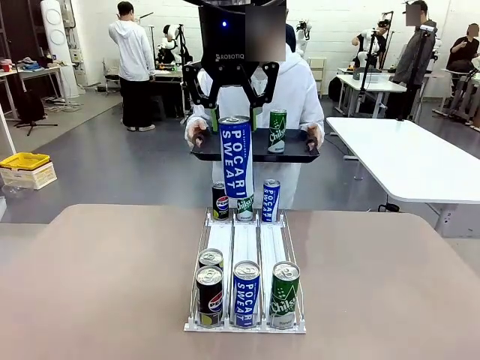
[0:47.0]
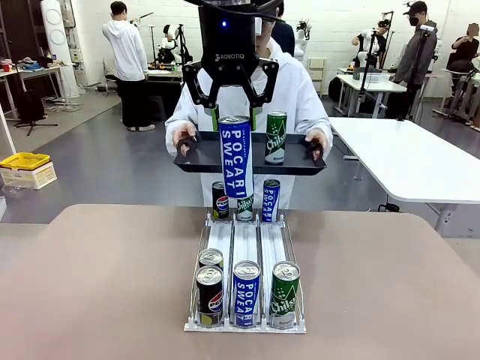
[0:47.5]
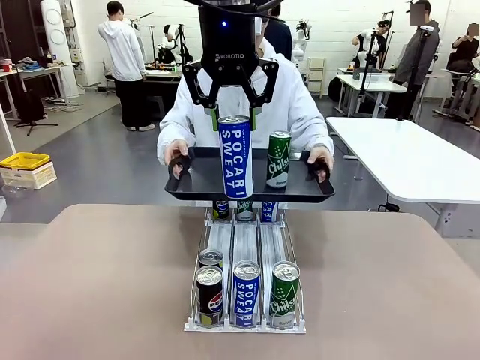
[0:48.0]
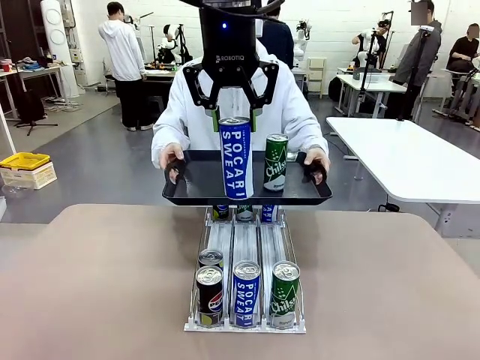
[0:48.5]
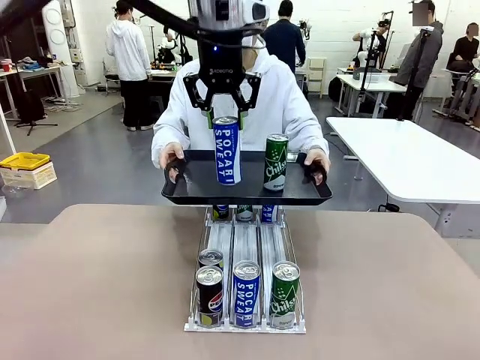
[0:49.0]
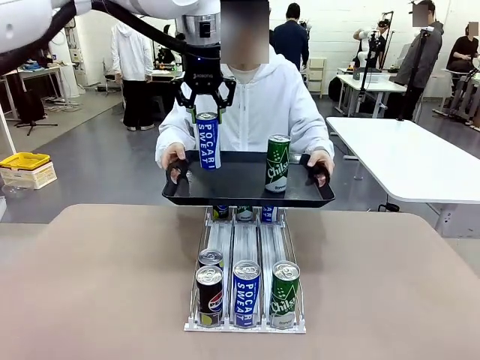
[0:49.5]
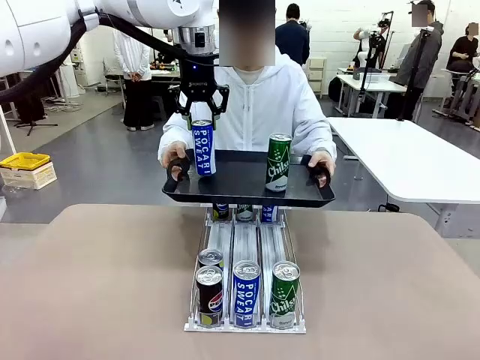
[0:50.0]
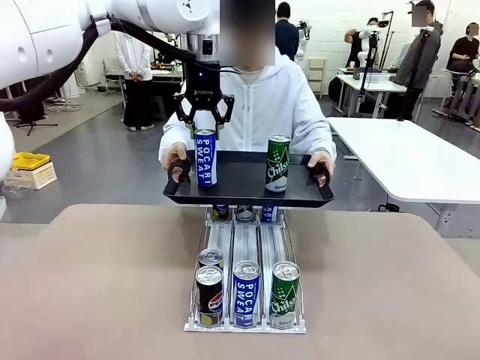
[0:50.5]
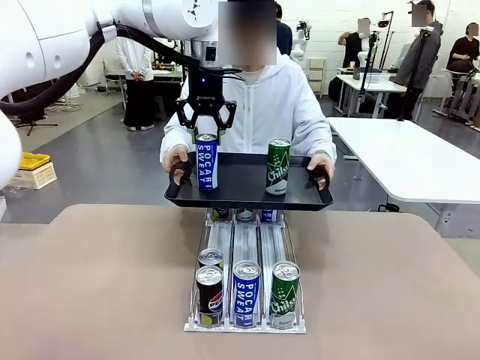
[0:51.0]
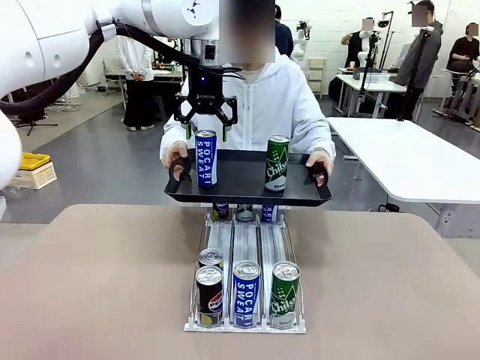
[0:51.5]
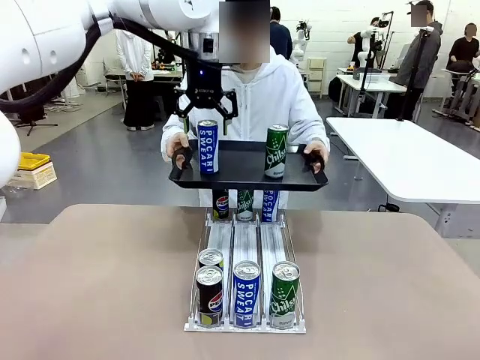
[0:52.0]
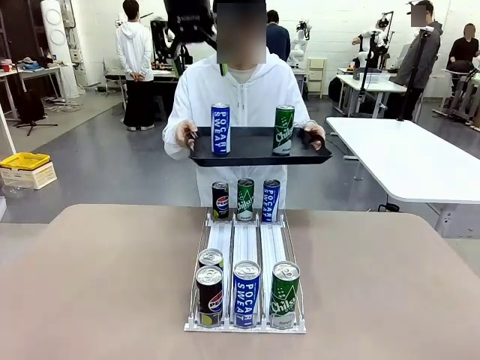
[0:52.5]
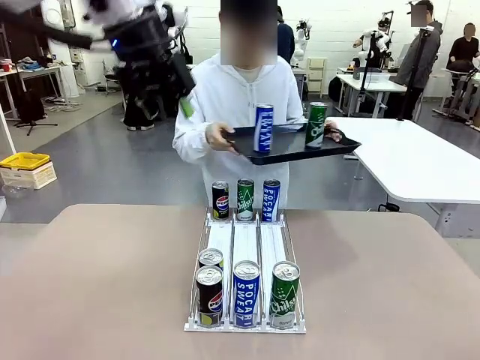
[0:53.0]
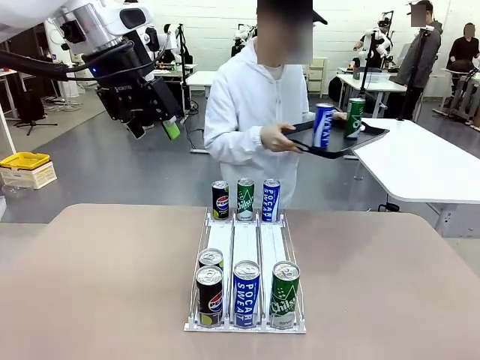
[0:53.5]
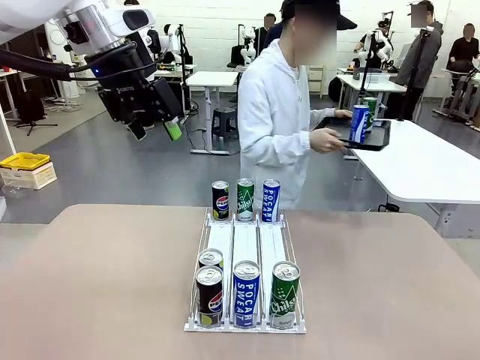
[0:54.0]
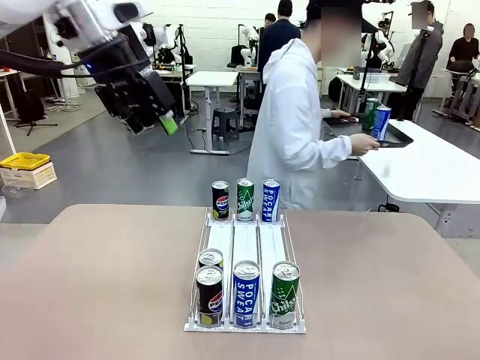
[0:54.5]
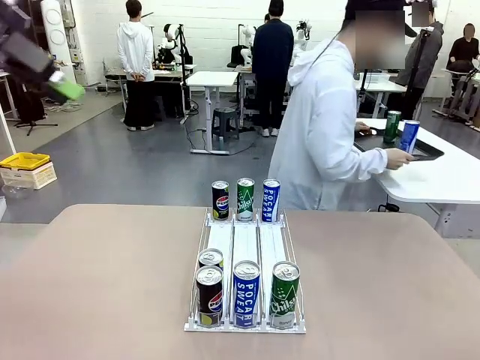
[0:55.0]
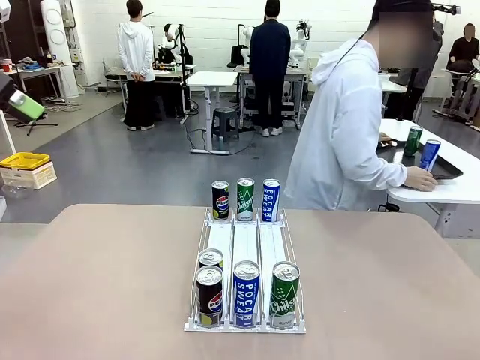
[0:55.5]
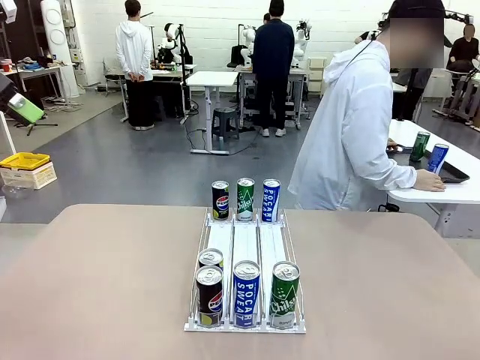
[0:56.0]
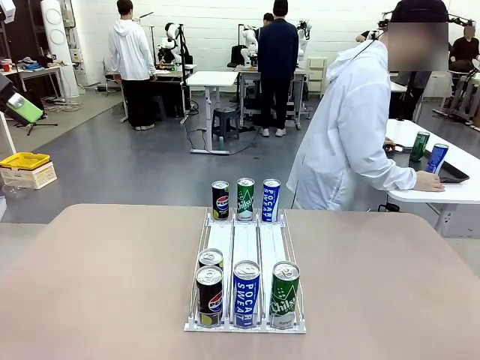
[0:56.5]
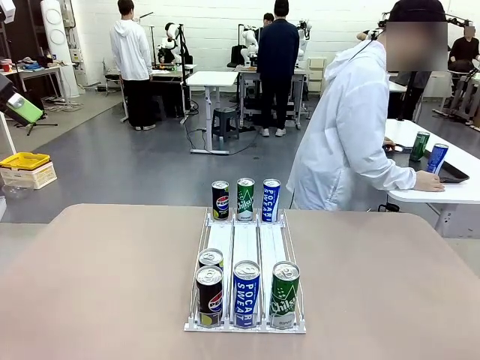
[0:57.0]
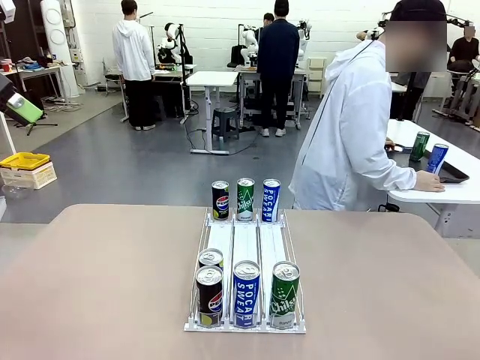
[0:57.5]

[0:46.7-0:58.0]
Task: Retrieve and hand over the desired beverage to the person.
Robot: Place the picked can on the Handle tray extended by the person.
Person: Pull the tray back and place it at the center of the human table.

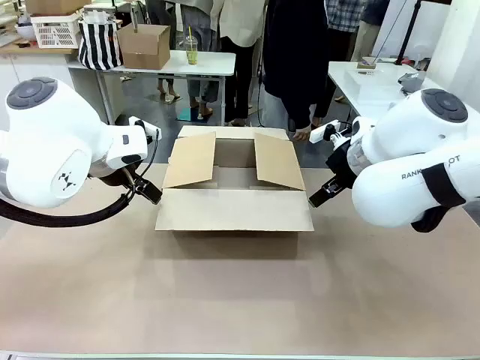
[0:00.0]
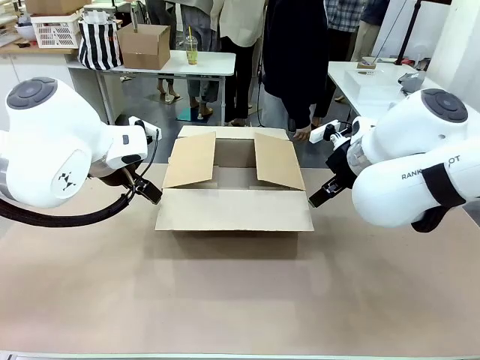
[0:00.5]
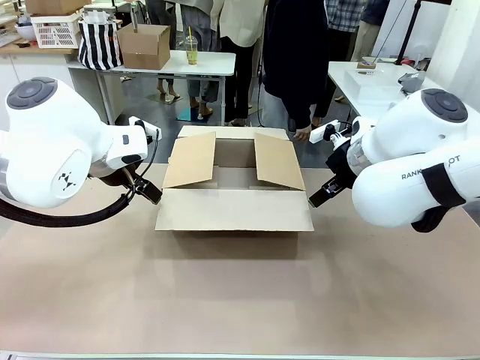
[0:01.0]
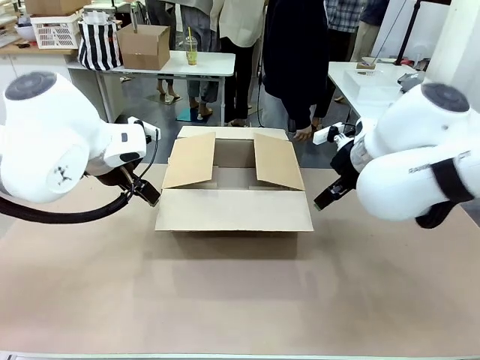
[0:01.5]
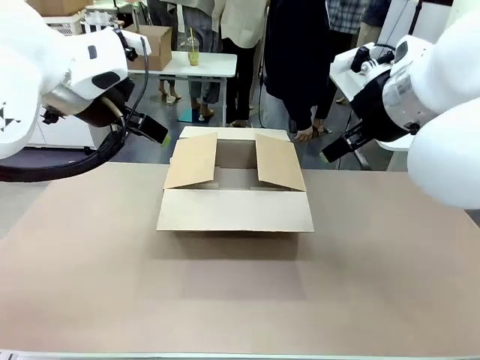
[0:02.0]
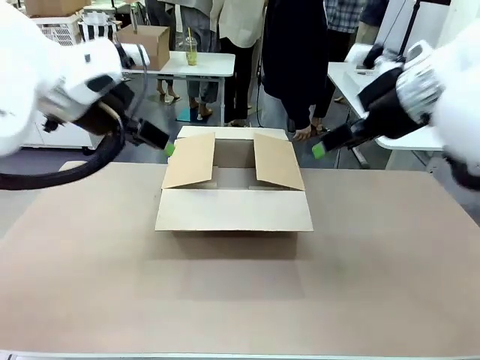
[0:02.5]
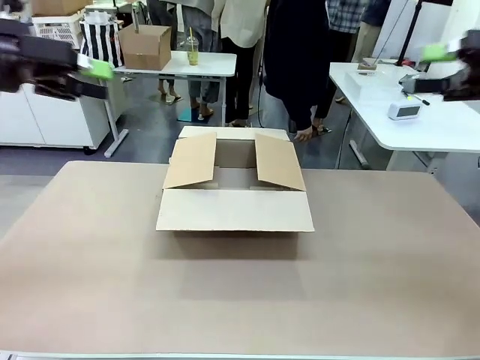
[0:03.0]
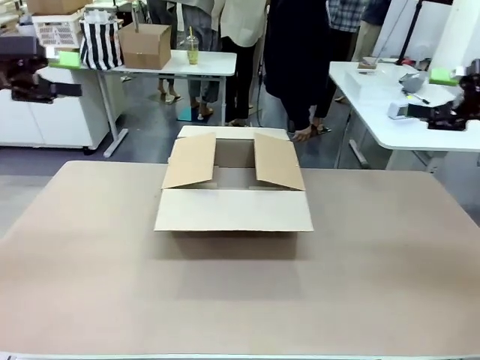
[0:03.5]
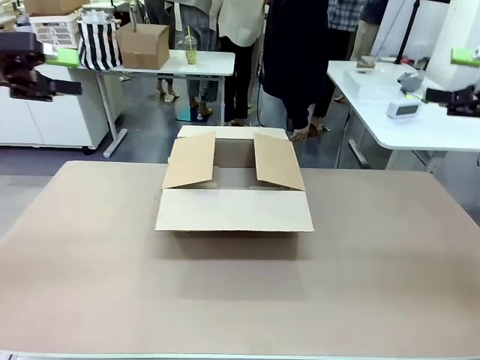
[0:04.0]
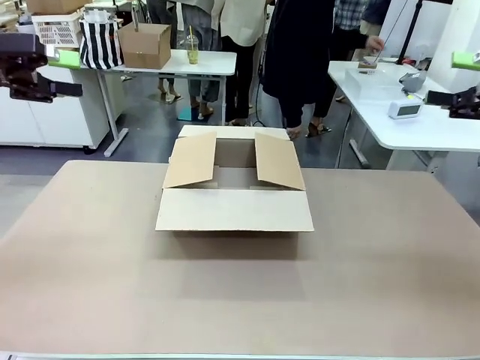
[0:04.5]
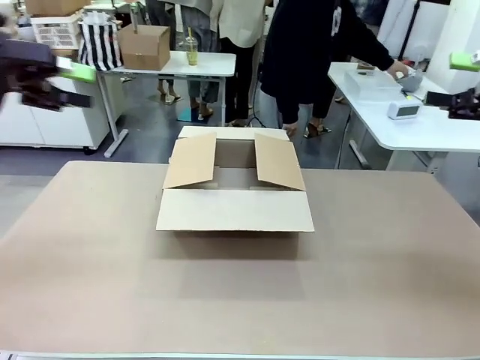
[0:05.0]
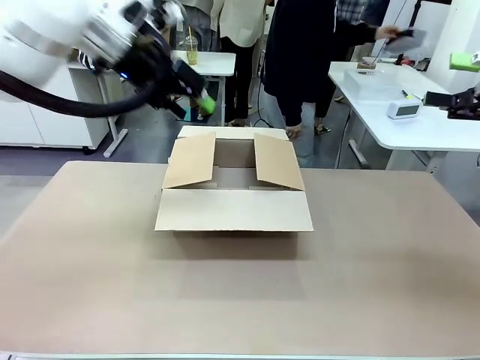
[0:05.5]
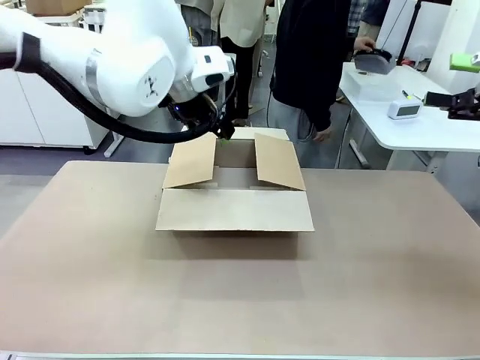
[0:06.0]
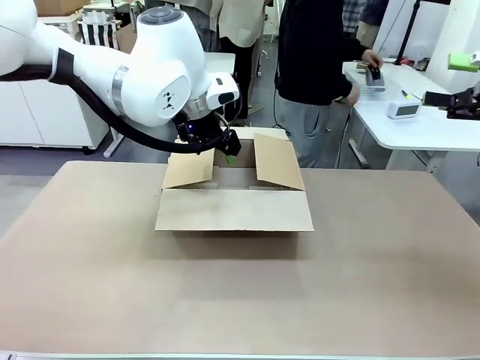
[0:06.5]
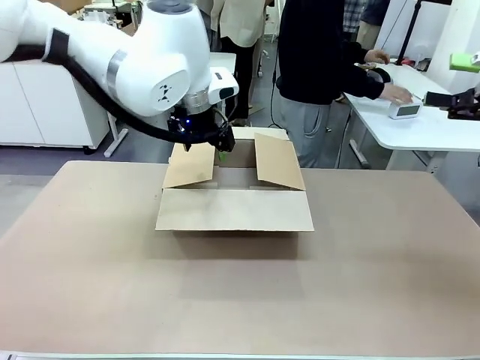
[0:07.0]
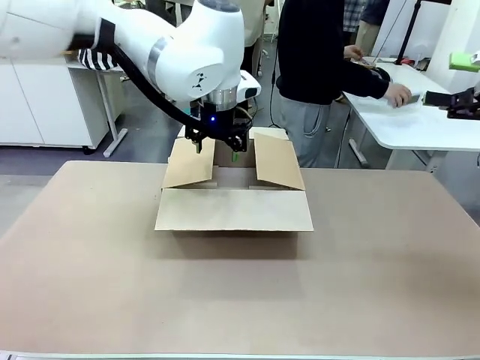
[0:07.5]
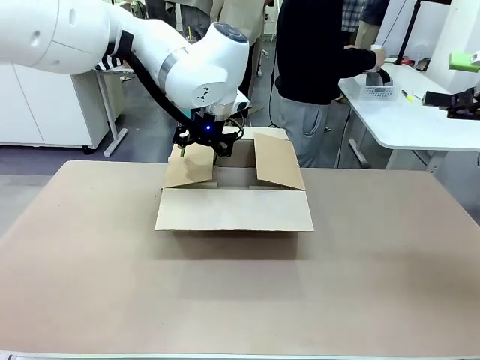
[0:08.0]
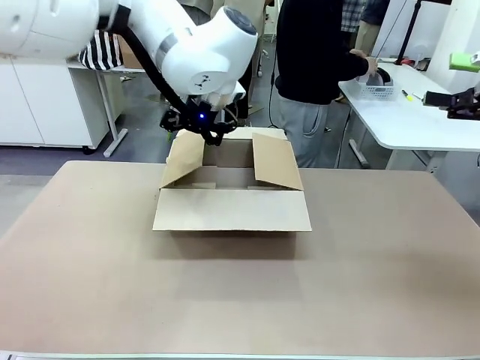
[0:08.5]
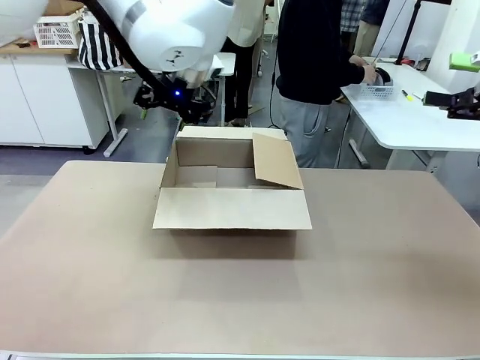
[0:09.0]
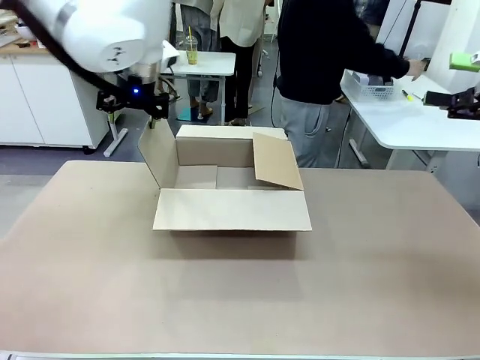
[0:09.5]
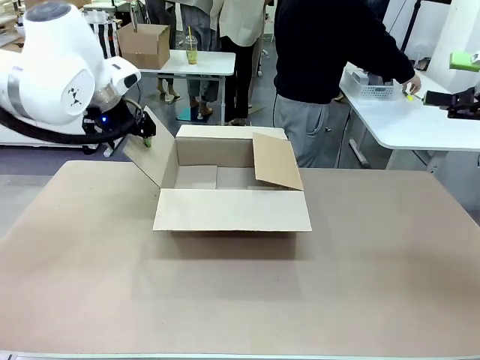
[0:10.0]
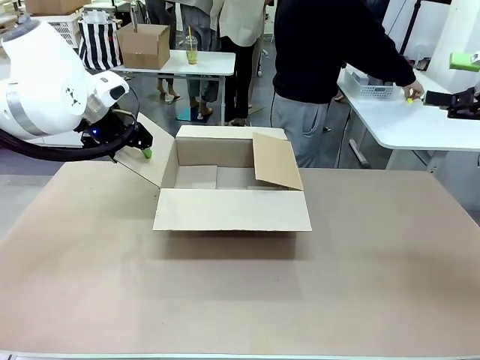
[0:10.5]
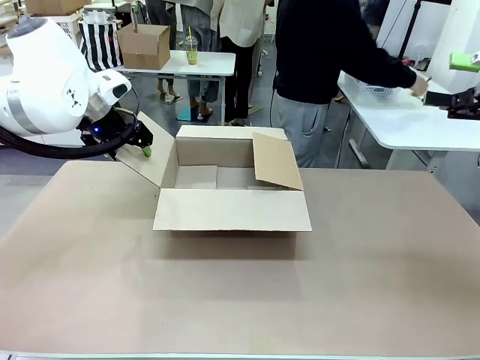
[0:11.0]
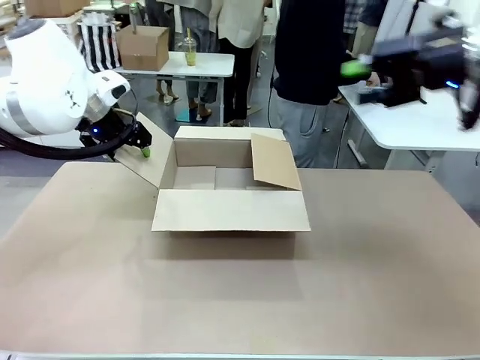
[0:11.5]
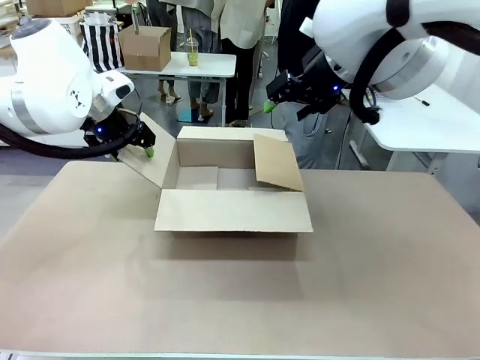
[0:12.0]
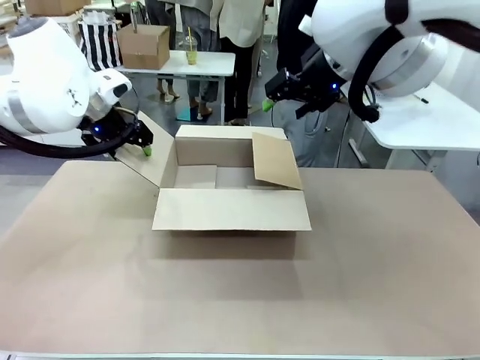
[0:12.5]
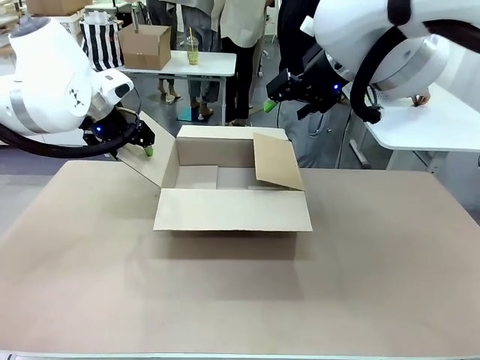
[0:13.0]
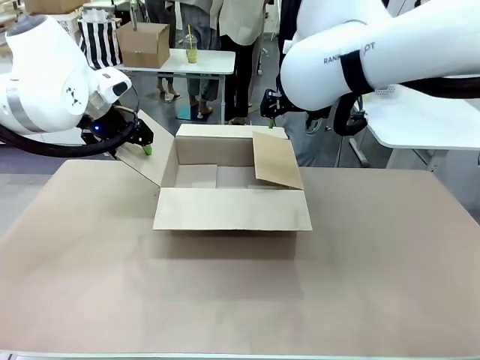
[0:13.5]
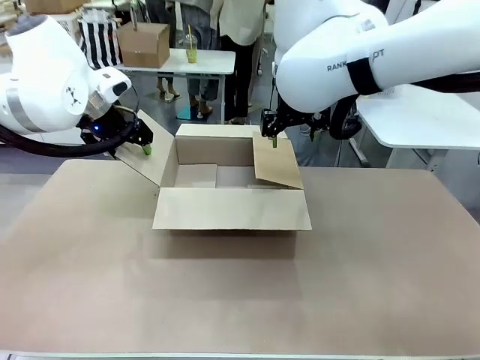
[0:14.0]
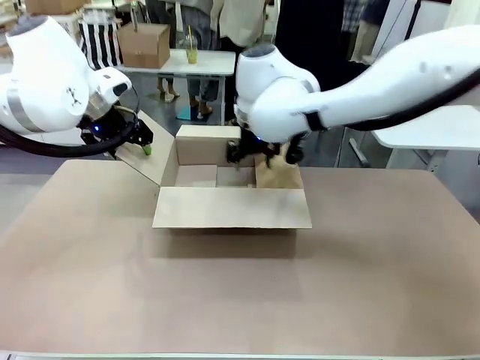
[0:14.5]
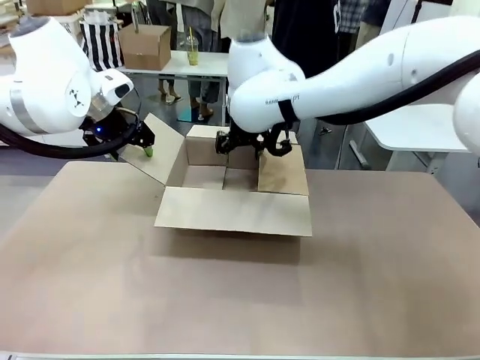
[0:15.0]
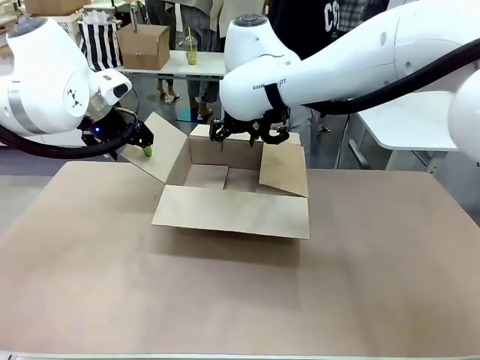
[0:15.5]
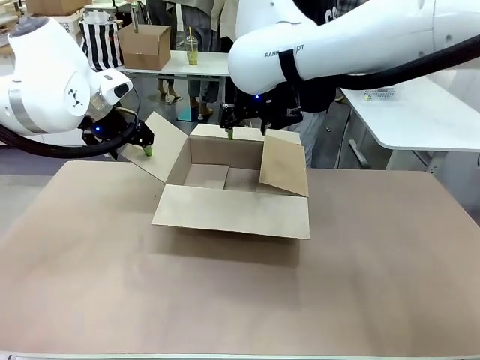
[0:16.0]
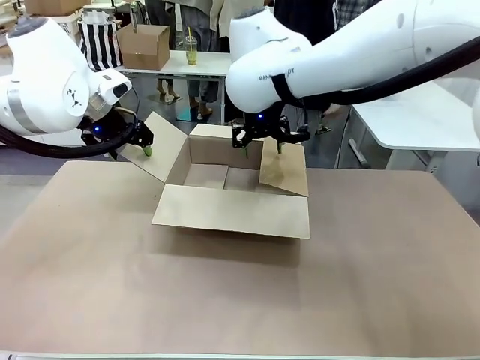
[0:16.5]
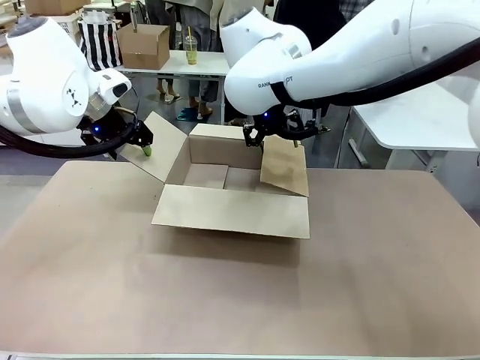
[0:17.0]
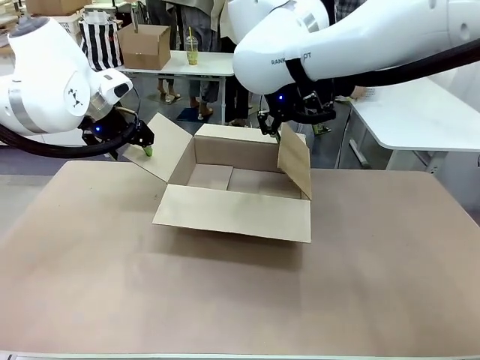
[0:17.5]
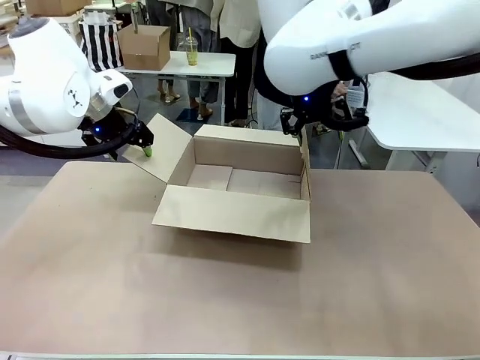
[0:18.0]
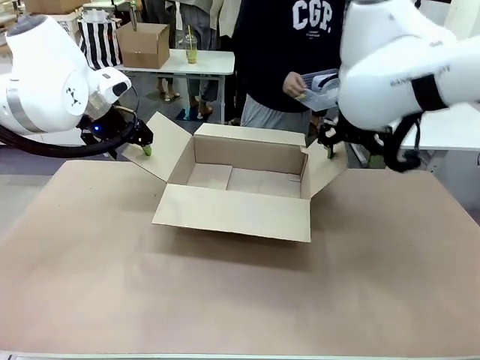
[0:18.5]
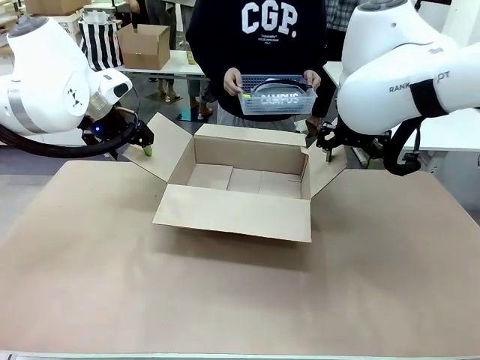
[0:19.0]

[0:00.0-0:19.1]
Task: Pack the gift set into the box.
Robot: Place both hands on the side flaps of the Package Box and spread them outward.
Person: The human places all items except the paper tape into the organizing basket. The human picks up the organizing basket and places the organizing basket into the package box on the robot table.
